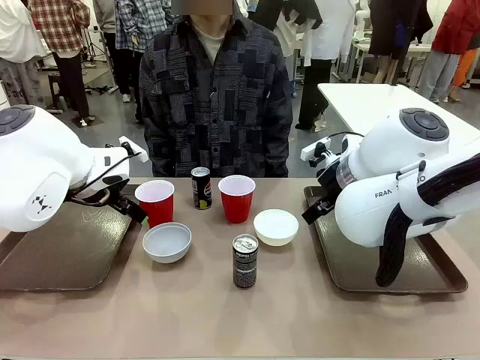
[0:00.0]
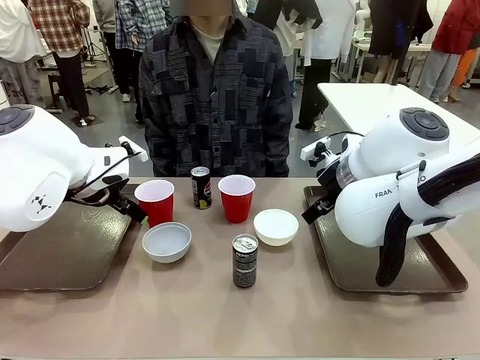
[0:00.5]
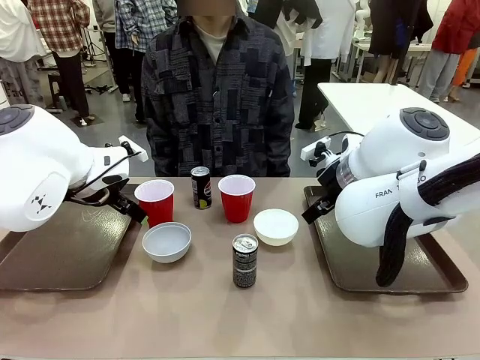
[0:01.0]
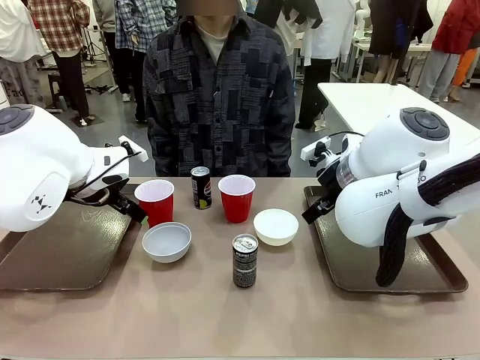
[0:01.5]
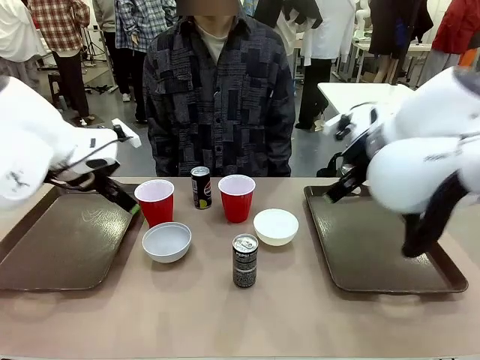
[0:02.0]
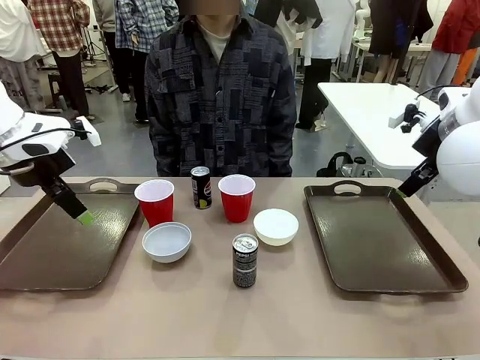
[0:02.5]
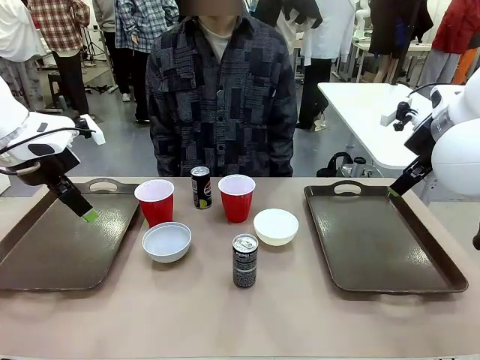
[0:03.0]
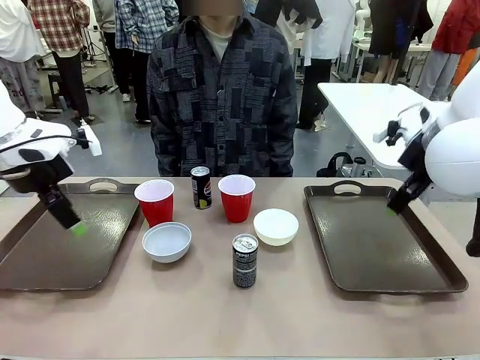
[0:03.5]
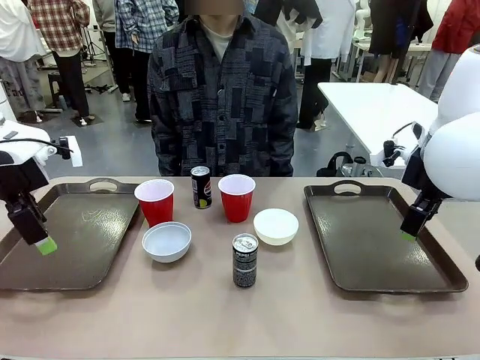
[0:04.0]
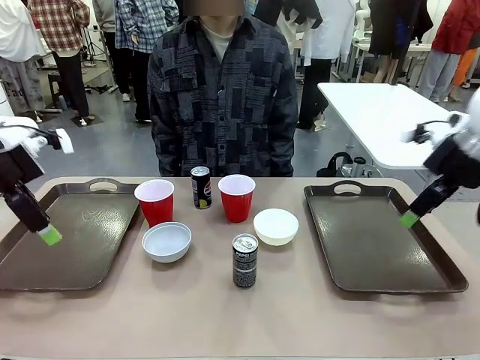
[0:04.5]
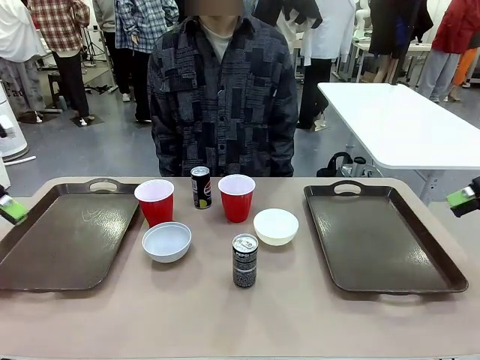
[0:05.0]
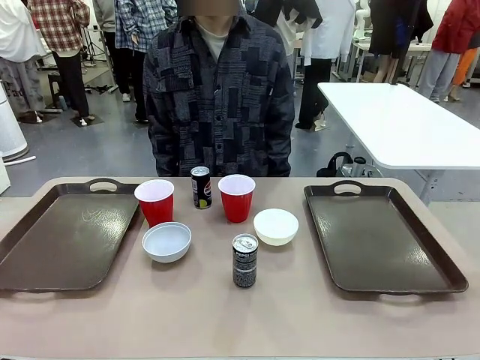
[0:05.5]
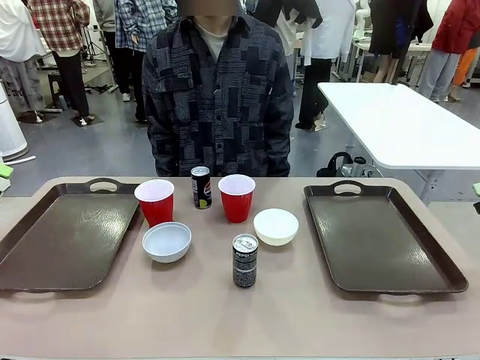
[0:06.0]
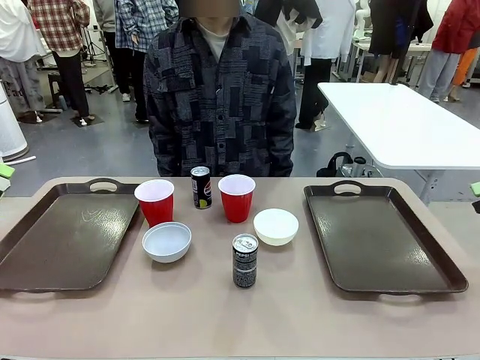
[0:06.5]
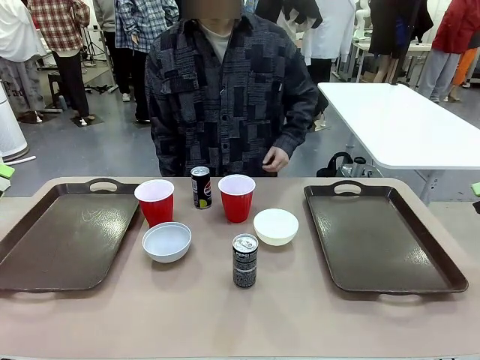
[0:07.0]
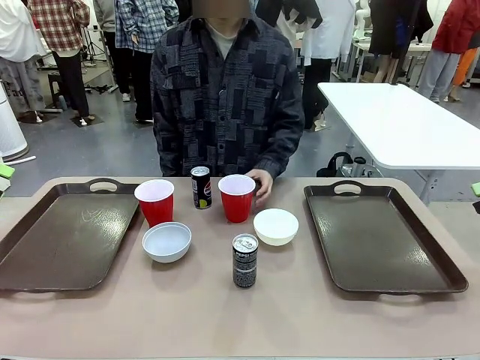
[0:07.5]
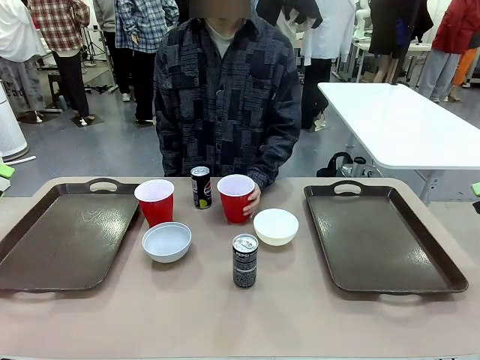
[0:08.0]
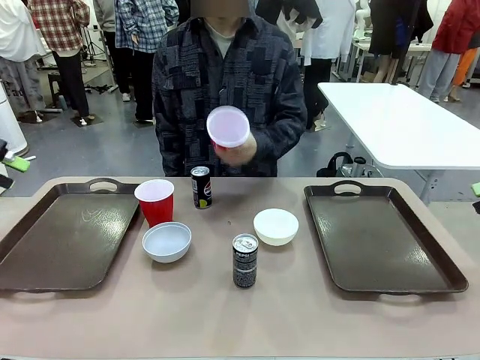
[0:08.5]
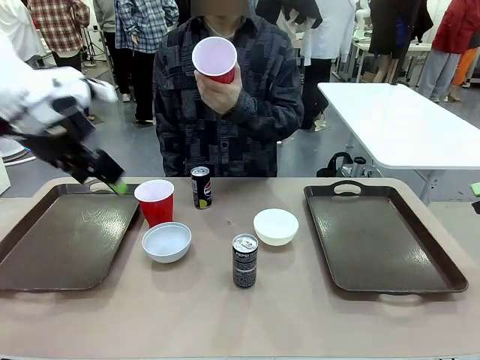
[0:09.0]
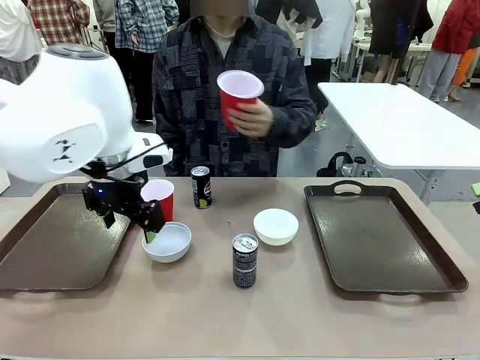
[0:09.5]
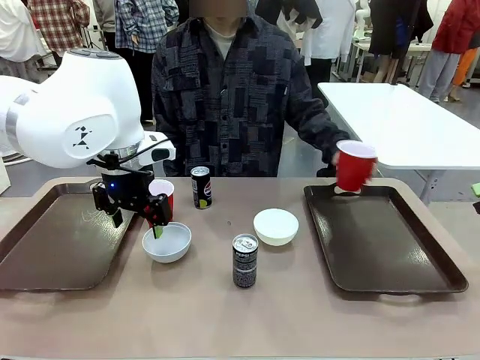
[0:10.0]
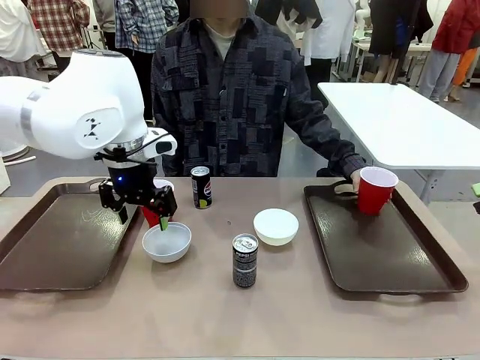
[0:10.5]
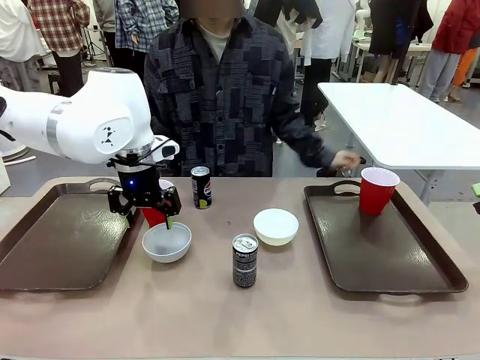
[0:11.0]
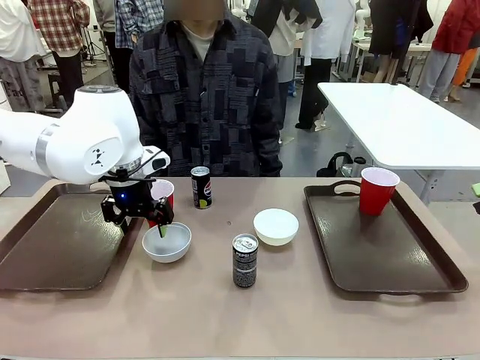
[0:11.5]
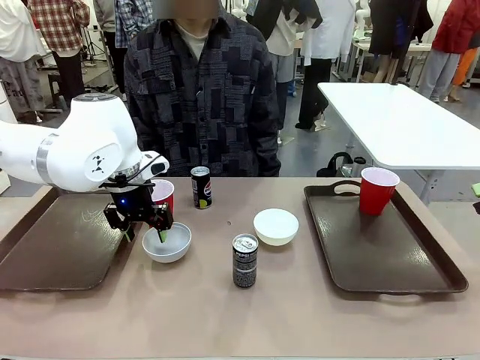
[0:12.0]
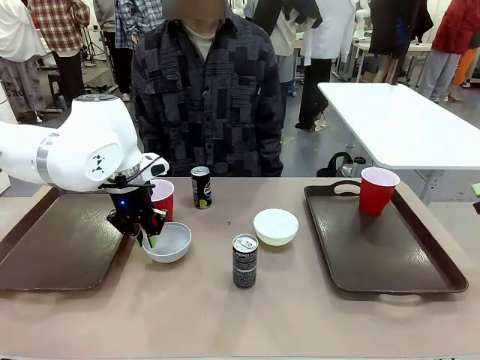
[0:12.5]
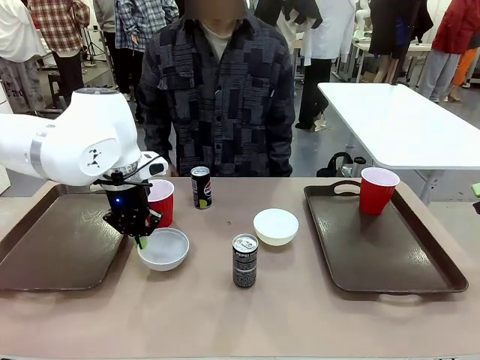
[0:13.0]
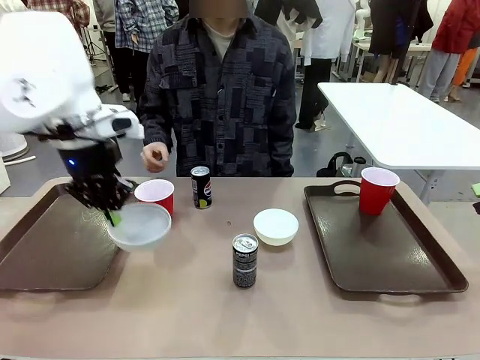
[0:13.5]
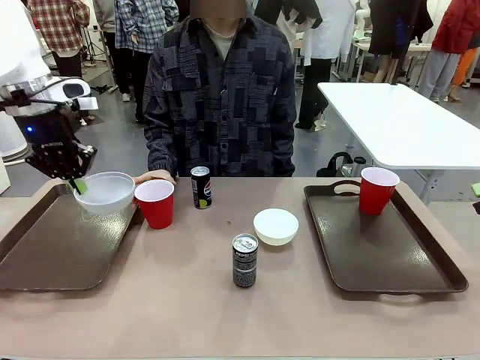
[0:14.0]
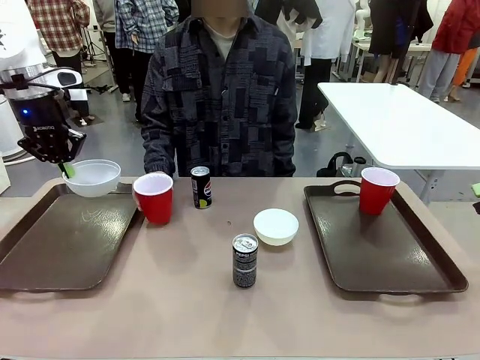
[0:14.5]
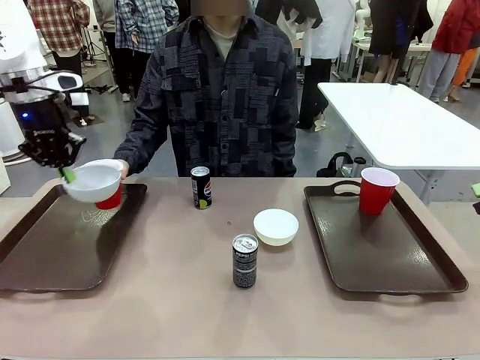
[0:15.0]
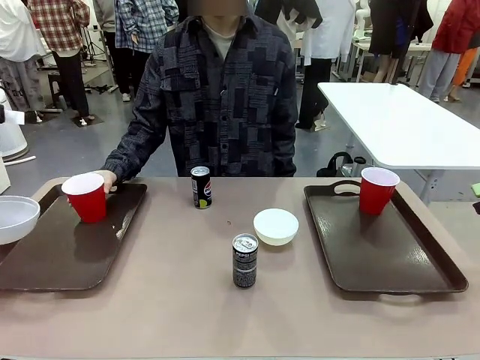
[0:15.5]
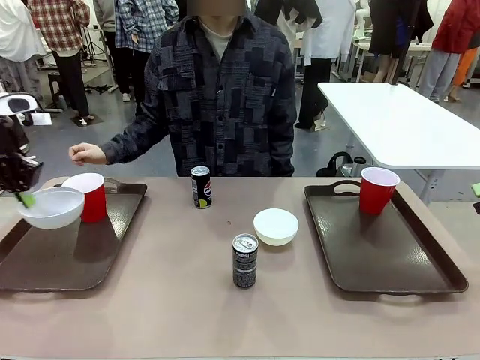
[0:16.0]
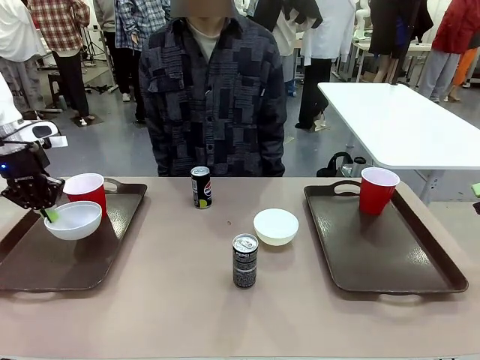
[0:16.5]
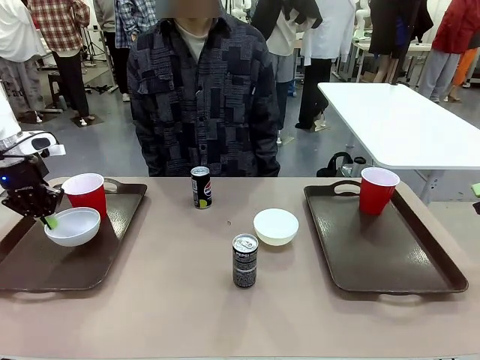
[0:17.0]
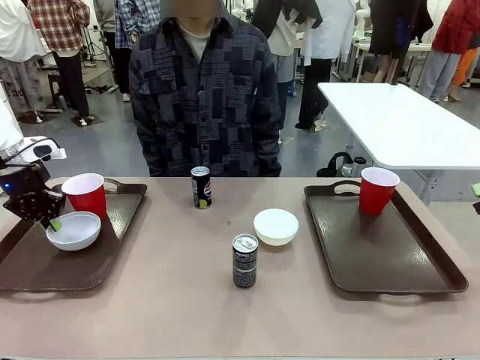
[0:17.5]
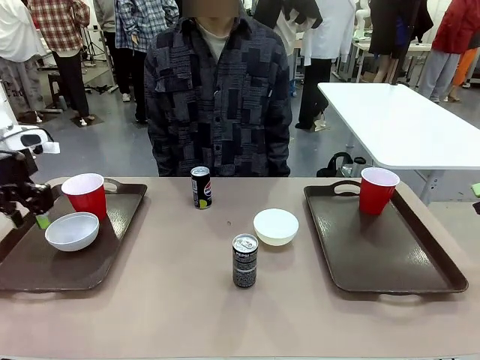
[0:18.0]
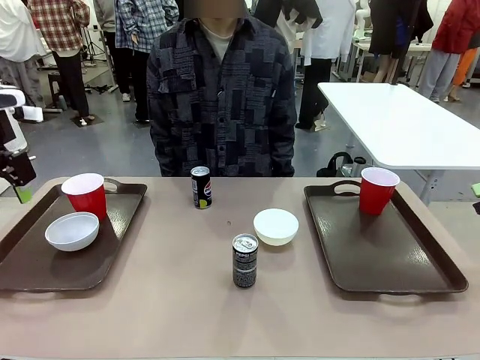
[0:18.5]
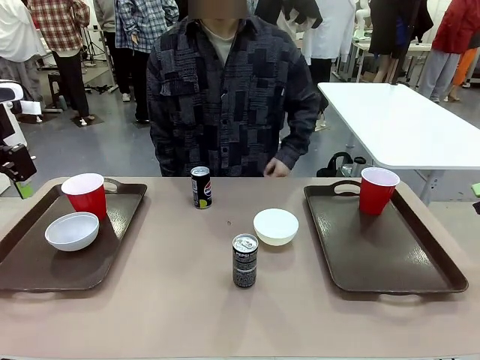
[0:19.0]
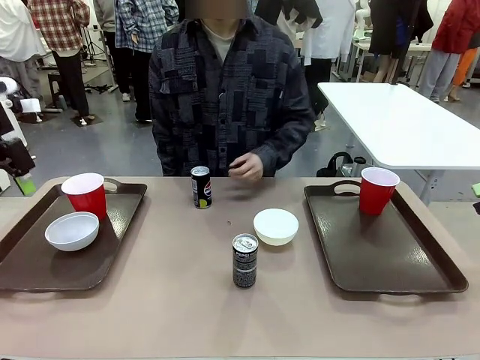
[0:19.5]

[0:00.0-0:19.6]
Task: Prepare tableware on both trays.
Robot: Pick up a Picnic Bowl from the table and place it on a Handle tray.
Person: Pick up a can or cup and place it on the tray.

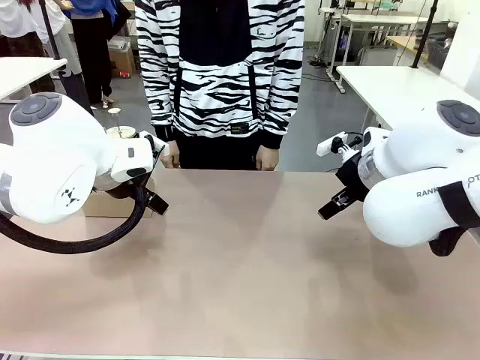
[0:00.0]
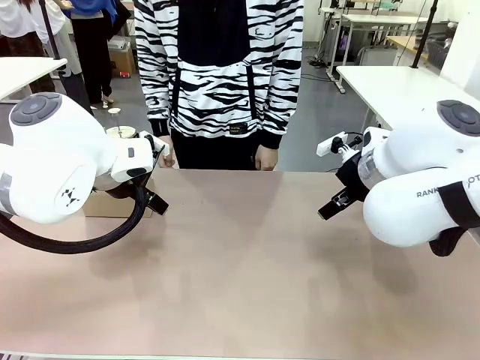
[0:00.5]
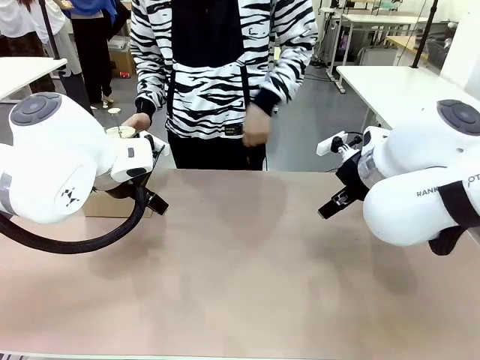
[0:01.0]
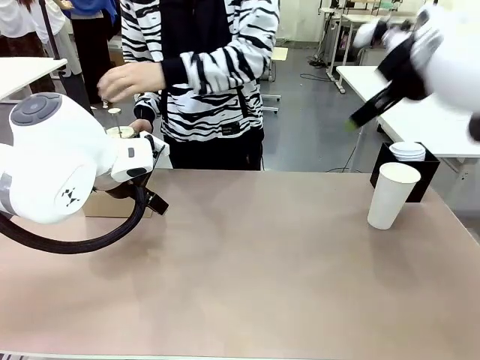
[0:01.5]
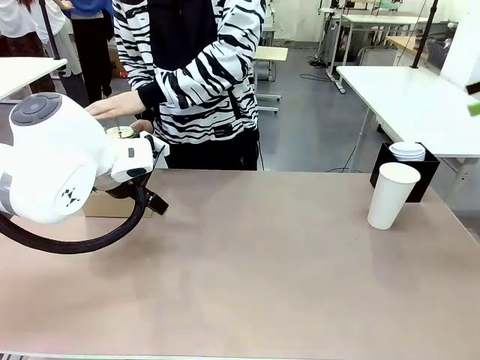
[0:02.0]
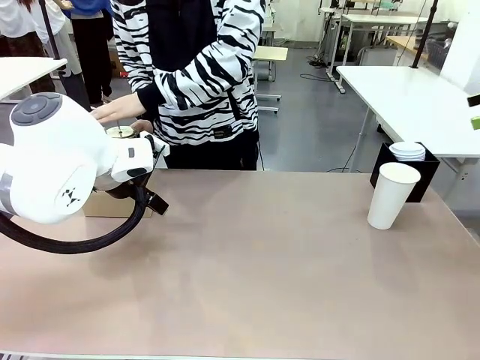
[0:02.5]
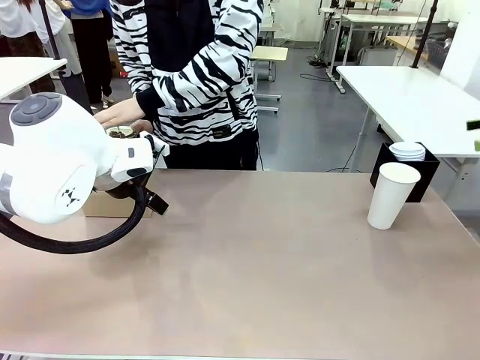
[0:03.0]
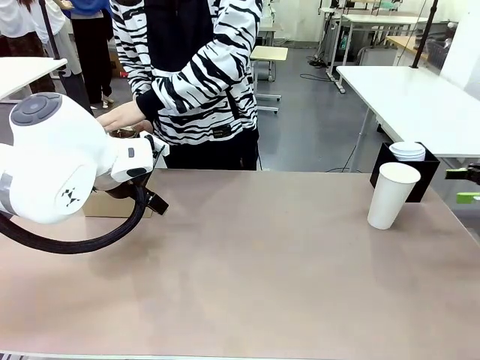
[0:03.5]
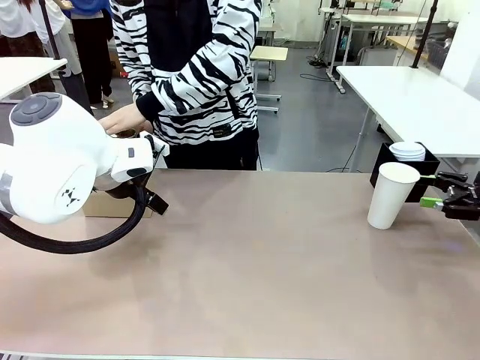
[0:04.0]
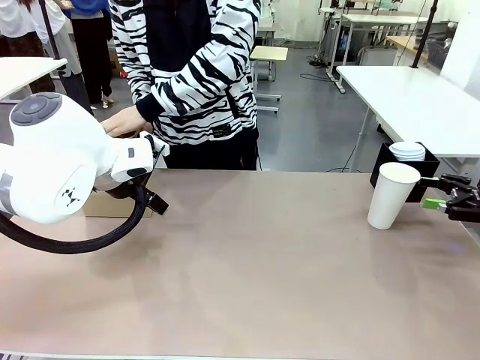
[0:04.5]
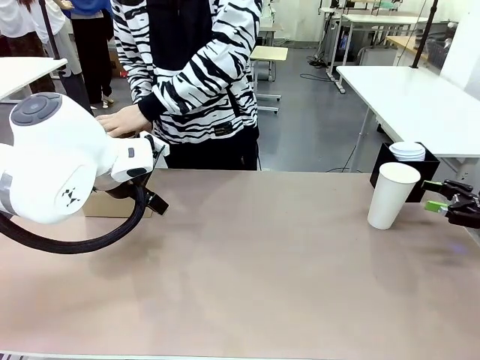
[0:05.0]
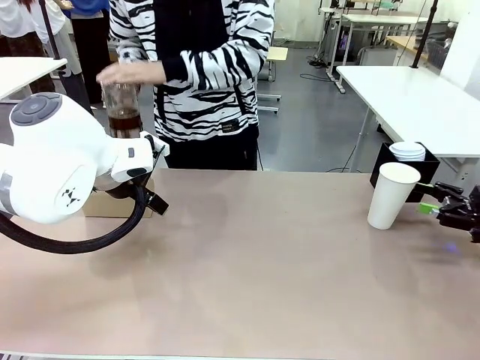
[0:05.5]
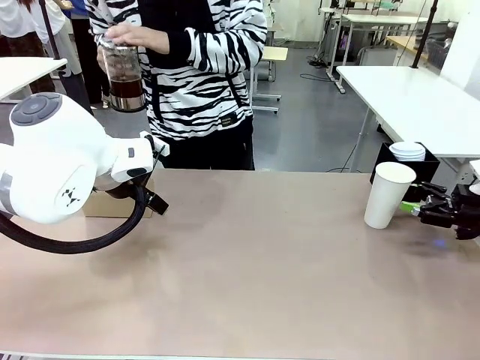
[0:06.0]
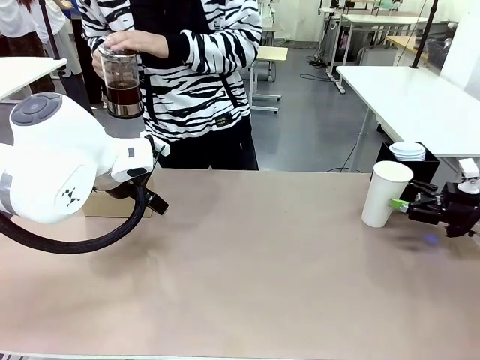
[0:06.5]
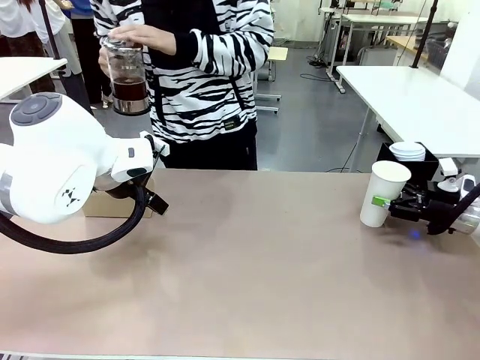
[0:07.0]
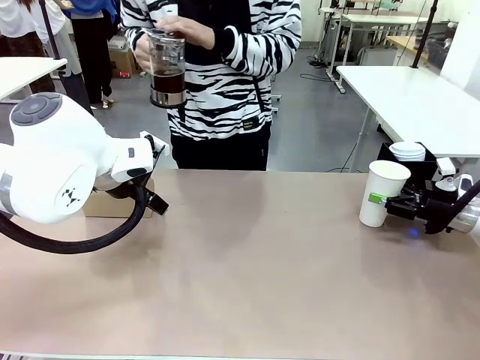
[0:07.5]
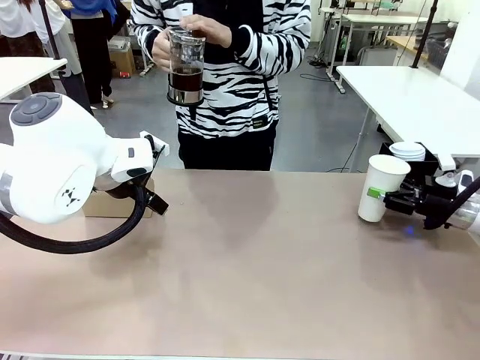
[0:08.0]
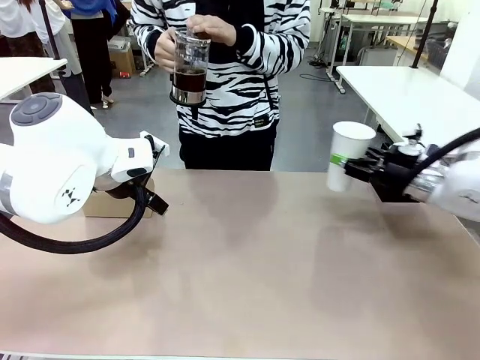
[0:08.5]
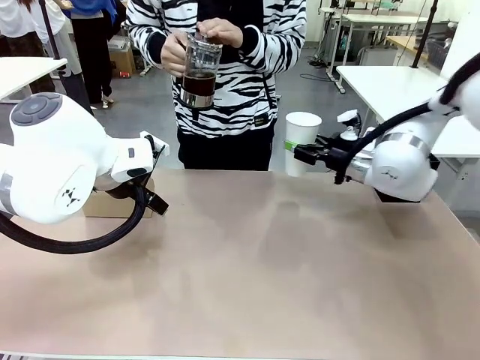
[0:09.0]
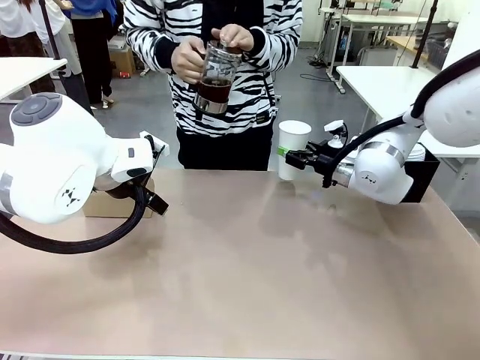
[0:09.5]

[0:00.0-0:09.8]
Task: Pour a drink into a cup and package it in a carrier.
Robot: Pick up the 600 ml Paper Cup and place it in the middle top area of the table.
Person: Press and pick up the Filter Brewing.
